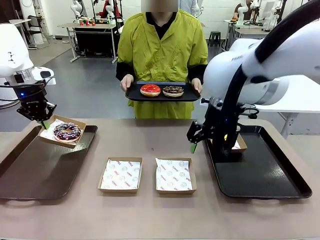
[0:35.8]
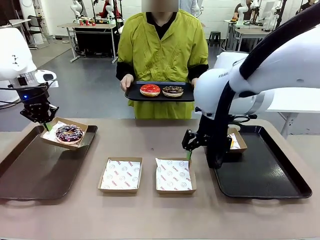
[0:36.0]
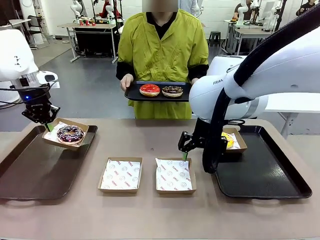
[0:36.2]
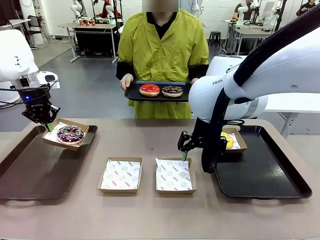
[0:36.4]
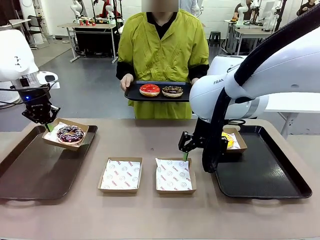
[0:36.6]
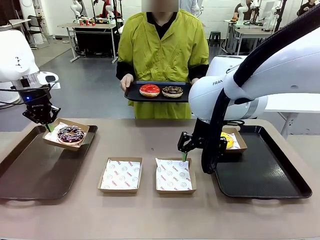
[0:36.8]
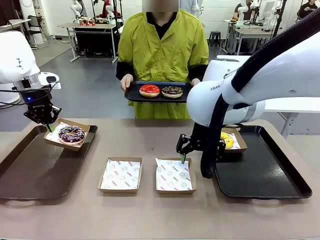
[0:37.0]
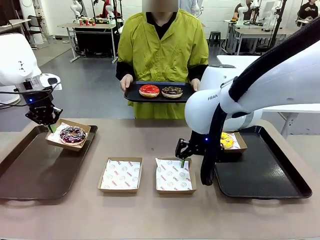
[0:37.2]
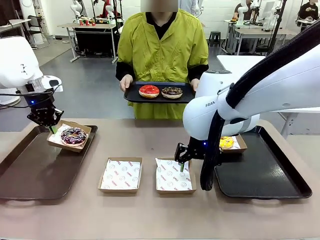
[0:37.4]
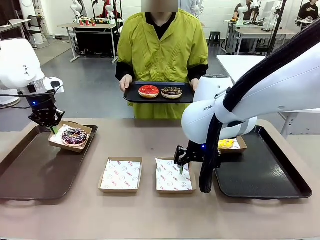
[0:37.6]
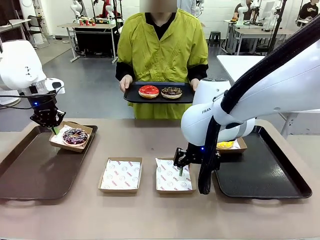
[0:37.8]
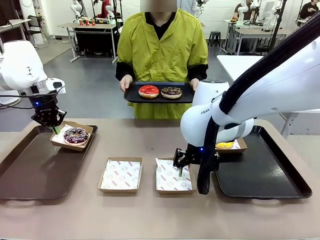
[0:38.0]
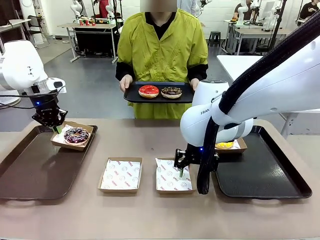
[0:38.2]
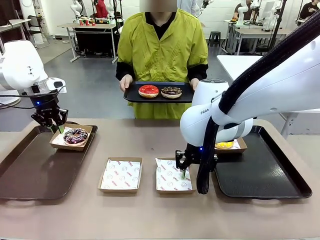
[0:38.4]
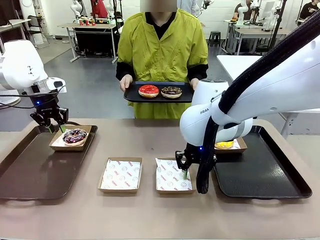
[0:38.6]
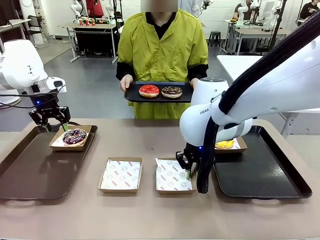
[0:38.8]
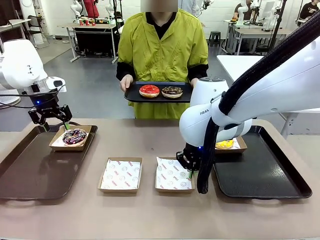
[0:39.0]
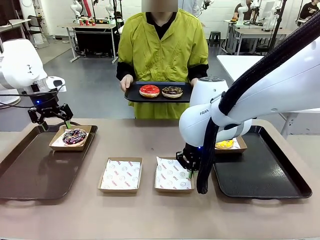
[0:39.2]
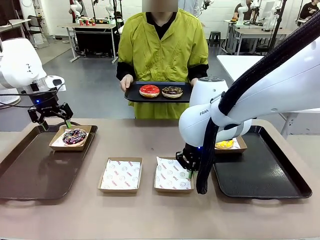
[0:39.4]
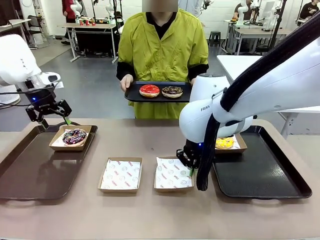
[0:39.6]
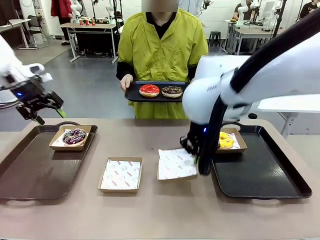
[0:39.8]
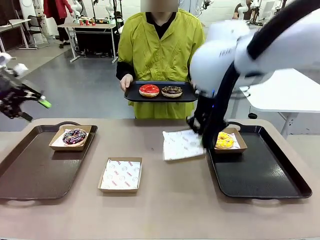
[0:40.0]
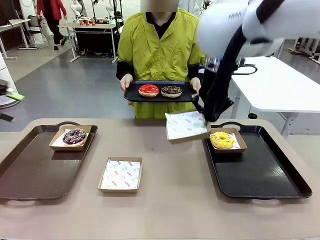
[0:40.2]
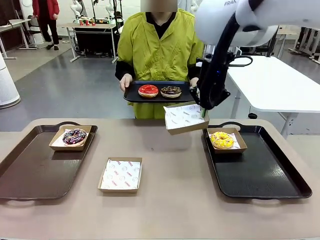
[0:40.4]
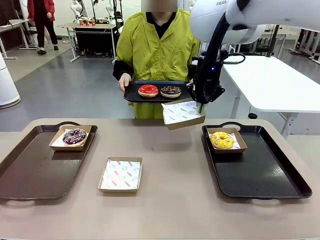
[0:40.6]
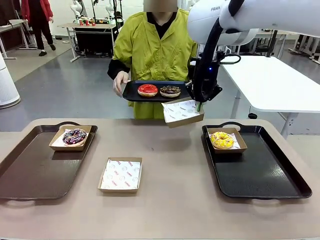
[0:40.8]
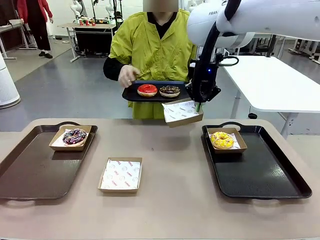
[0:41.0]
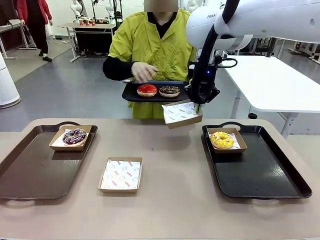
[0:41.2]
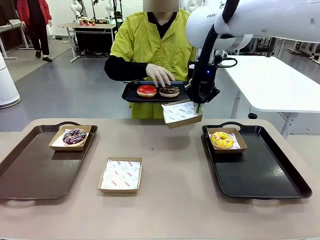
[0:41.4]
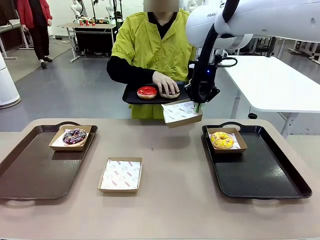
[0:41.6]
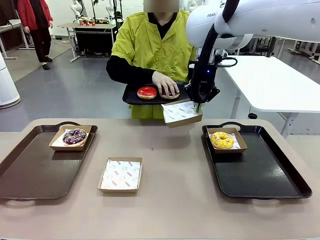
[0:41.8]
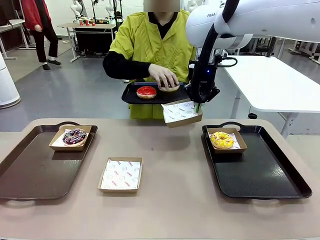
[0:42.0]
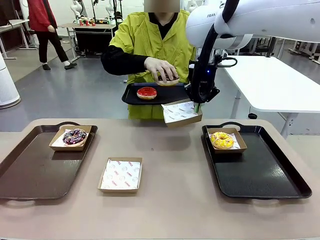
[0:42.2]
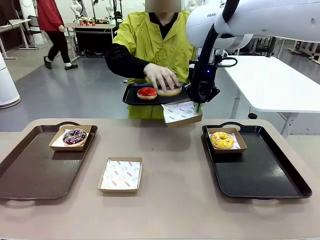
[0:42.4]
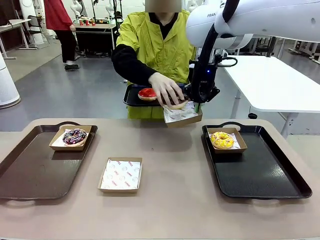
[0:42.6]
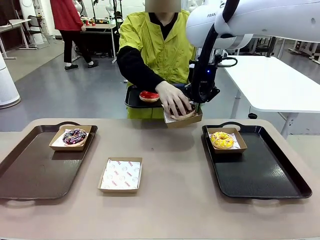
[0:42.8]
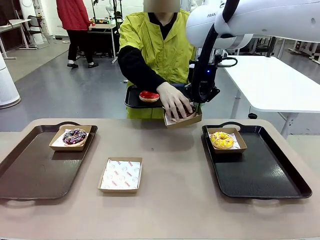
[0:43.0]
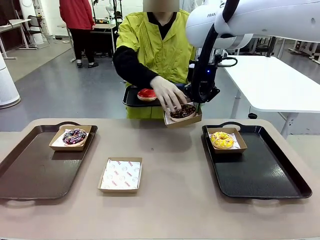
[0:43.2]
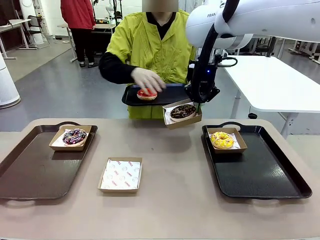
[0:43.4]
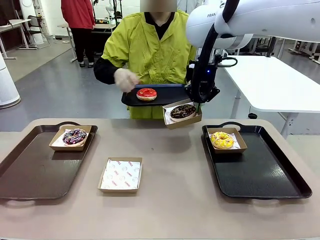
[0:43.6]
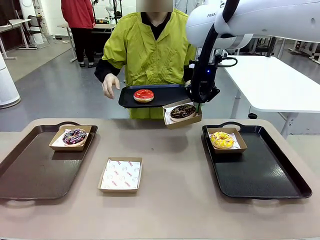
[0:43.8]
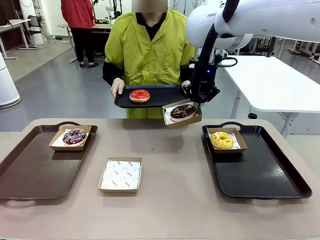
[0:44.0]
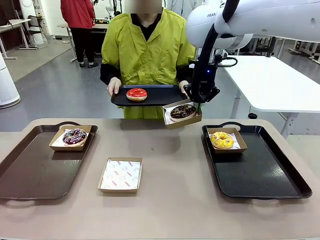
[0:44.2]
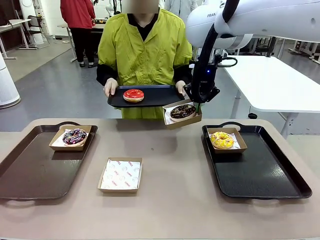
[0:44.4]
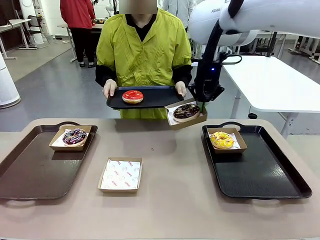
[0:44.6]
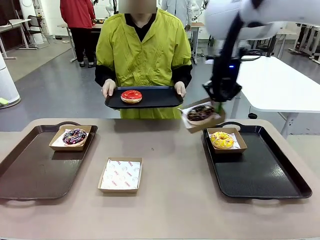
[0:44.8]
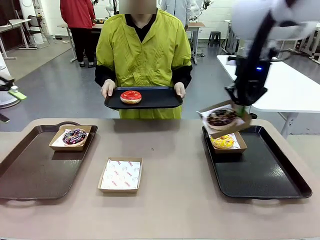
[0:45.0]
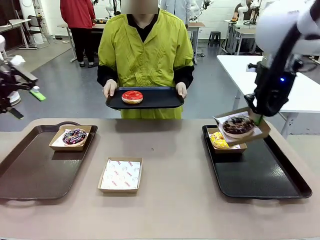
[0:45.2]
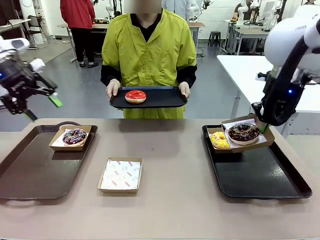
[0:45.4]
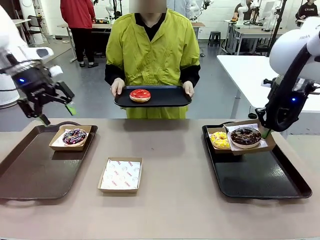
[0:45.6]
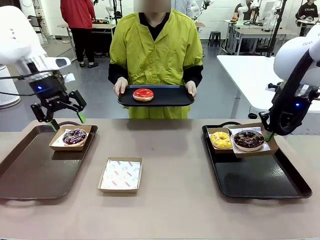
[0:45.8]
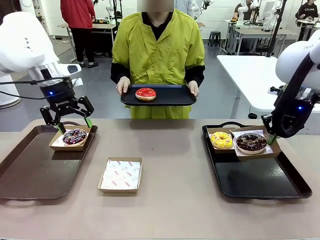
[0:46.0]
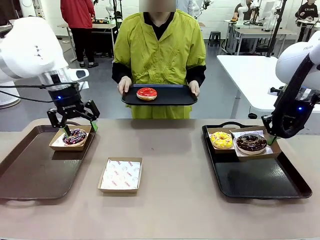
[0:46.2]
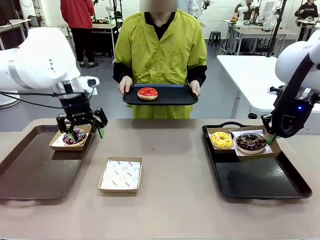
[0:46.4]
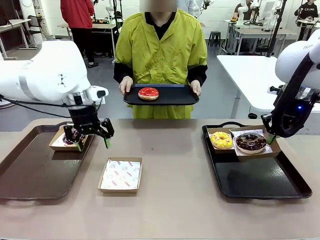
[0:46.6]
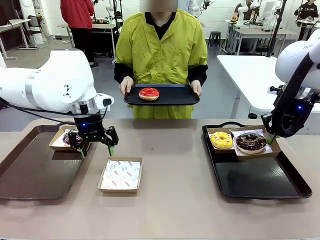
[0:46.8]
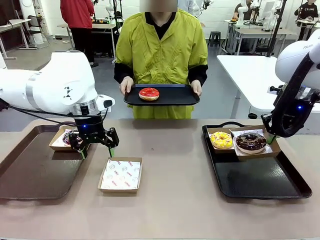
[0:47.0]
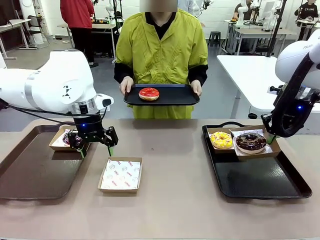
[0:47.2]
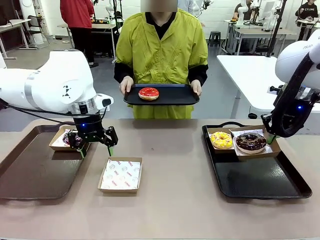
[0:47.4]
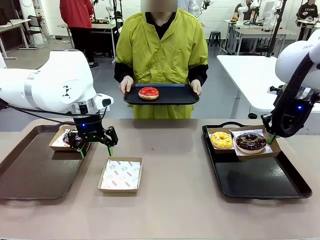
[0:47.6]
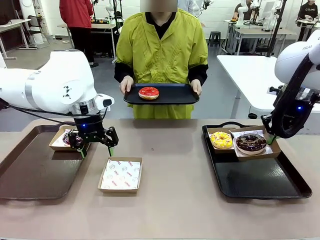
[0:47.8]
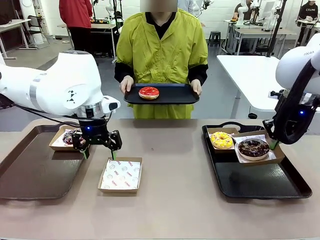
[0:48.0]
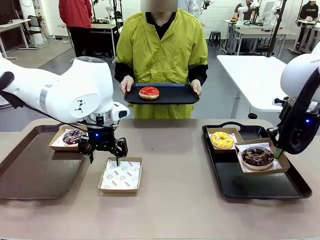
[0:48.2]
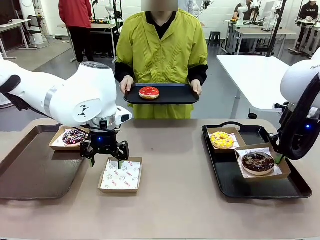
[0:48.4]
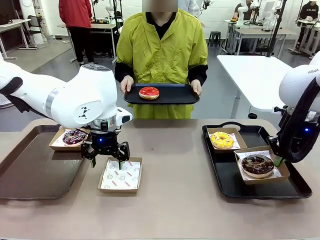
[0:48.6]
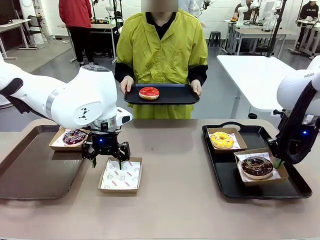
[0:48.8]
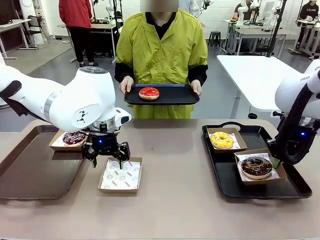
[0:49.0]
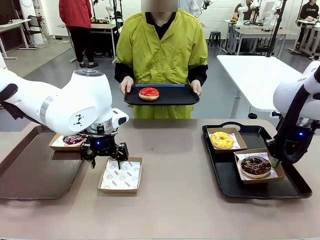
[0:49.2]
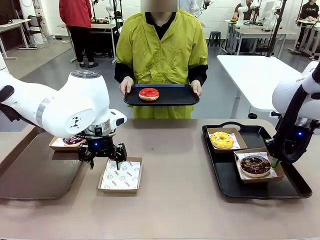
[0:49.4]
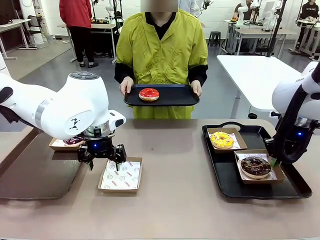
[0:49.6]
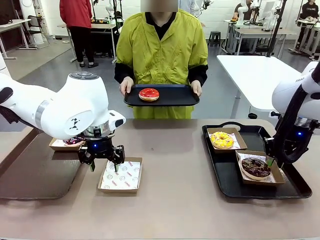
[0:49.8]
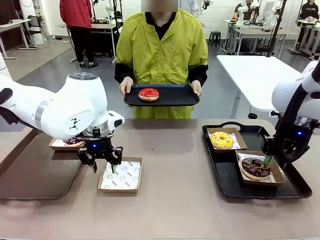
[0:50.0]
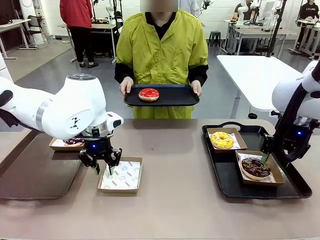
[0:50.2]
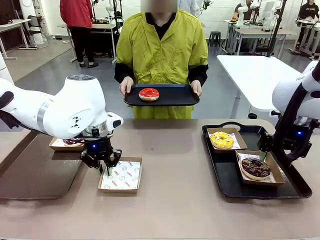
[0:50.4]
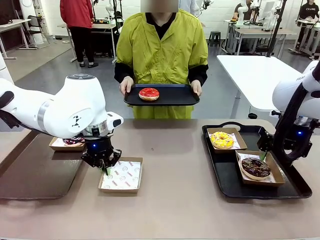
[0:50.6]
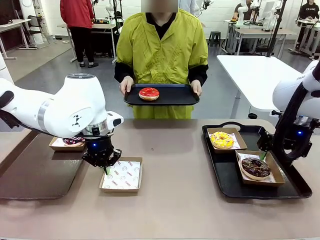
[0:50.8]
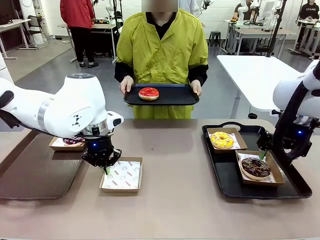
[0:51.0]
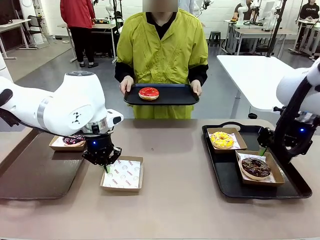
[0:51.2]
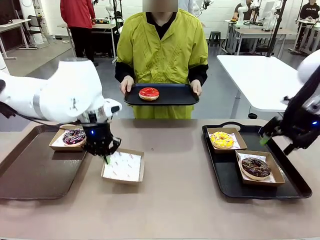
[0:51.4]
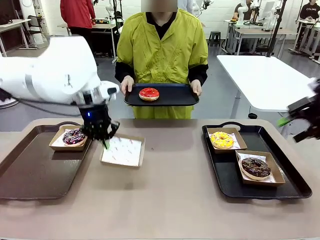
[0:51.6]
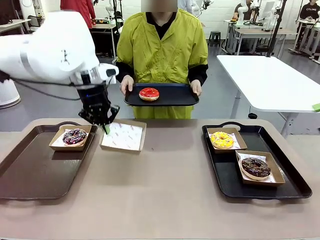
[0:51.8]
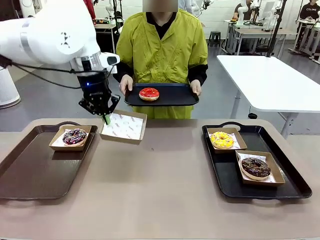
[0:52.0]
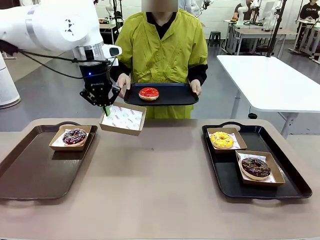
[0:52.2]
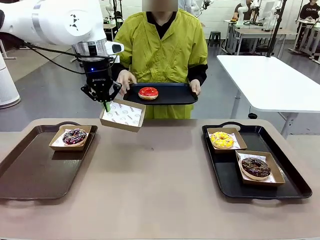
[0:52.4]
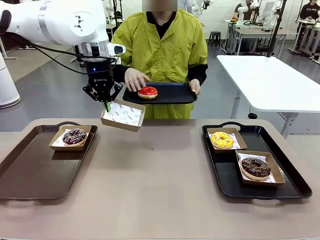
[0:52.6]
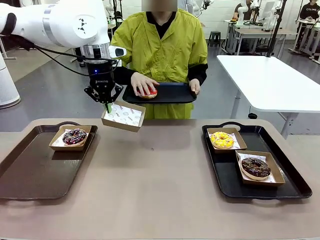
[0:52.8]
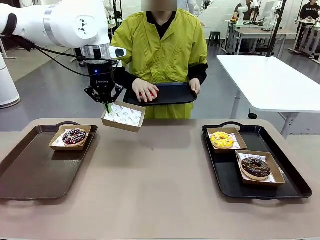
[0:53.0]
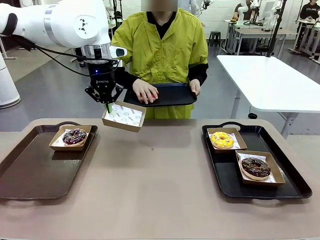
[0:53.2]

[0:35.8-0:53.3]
Task: Individually package the donuts and arrange them on the tray.
Robot: Place the picked Paper togo box on the Handle tray while simultaneously picking up another Paper togo box from the table with the other hand.
